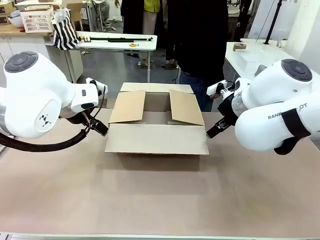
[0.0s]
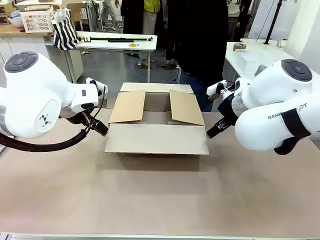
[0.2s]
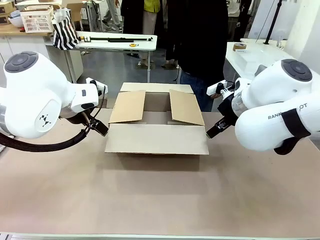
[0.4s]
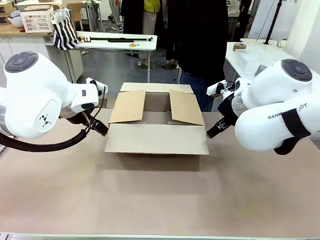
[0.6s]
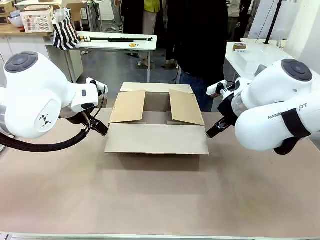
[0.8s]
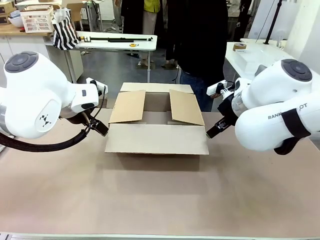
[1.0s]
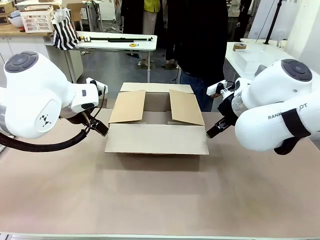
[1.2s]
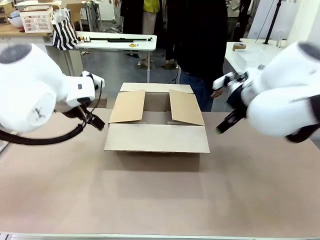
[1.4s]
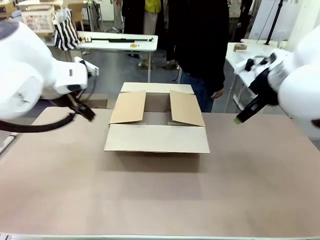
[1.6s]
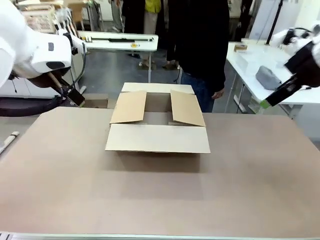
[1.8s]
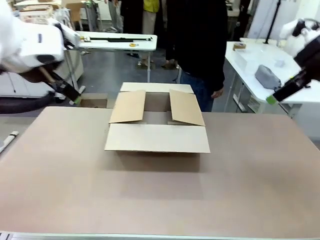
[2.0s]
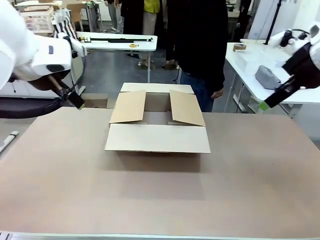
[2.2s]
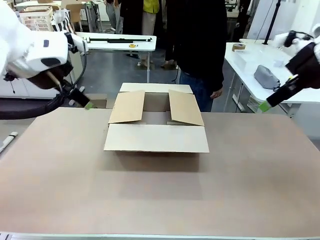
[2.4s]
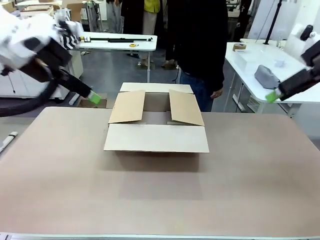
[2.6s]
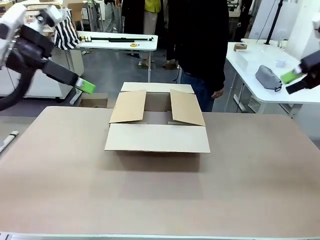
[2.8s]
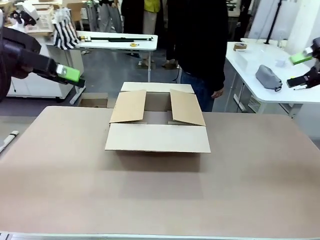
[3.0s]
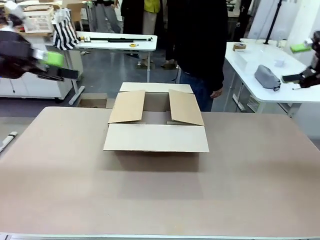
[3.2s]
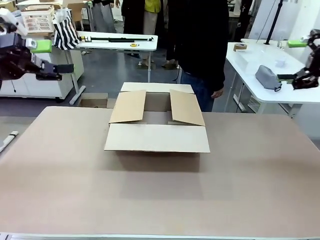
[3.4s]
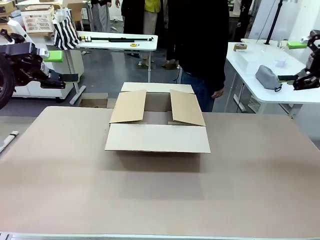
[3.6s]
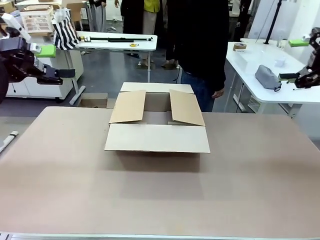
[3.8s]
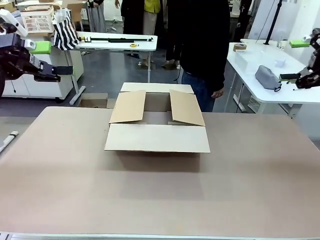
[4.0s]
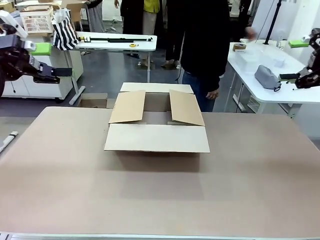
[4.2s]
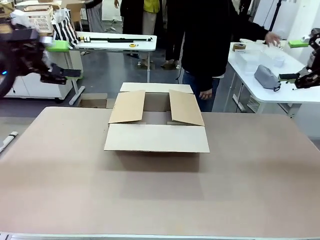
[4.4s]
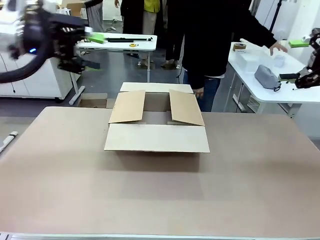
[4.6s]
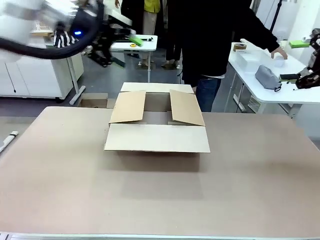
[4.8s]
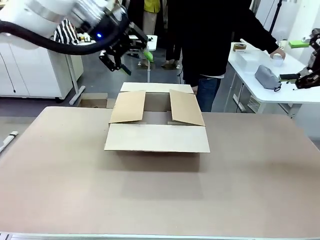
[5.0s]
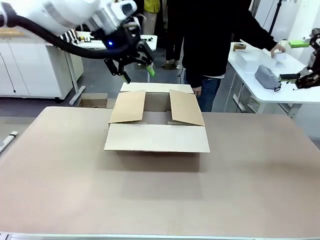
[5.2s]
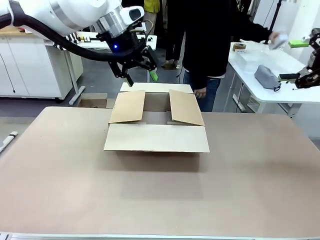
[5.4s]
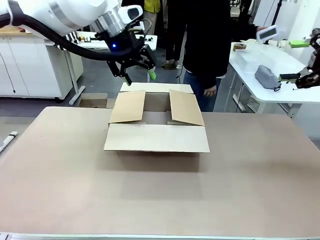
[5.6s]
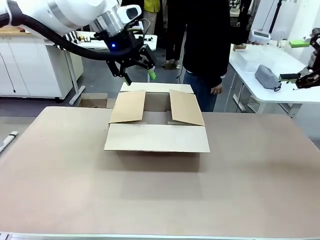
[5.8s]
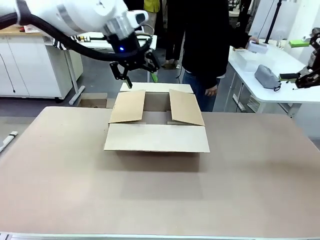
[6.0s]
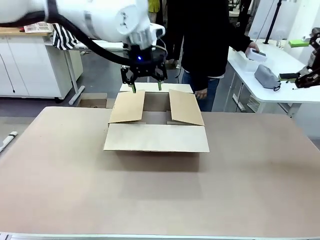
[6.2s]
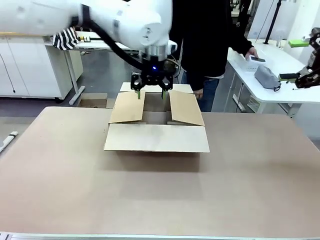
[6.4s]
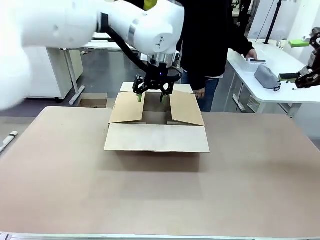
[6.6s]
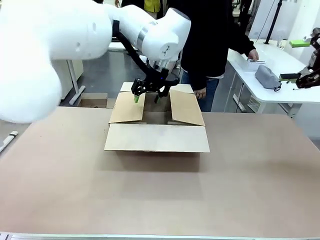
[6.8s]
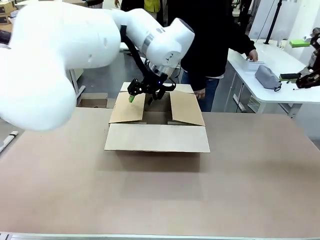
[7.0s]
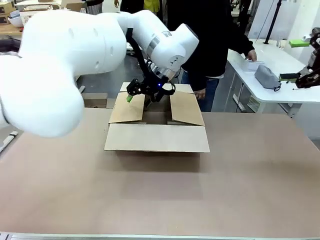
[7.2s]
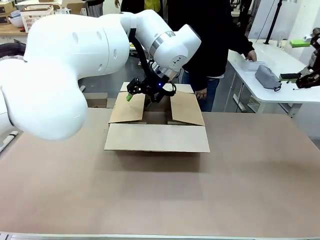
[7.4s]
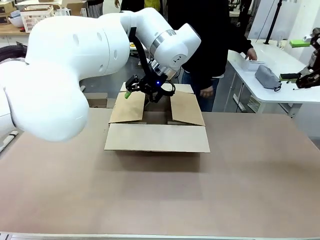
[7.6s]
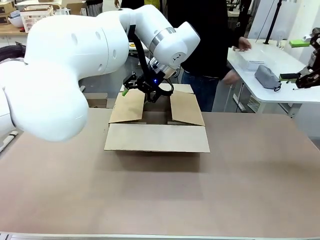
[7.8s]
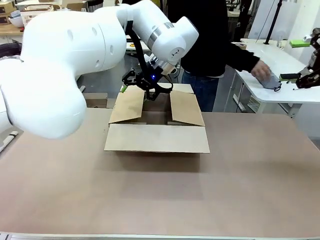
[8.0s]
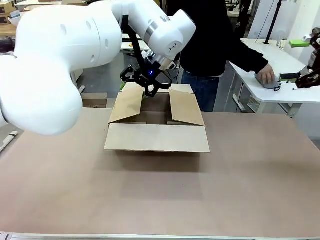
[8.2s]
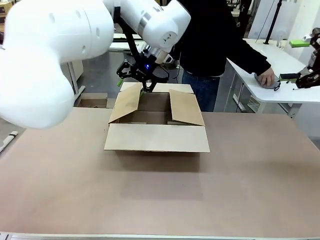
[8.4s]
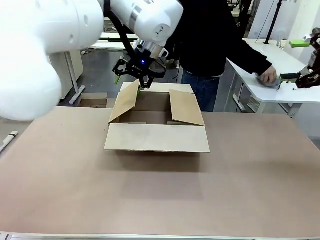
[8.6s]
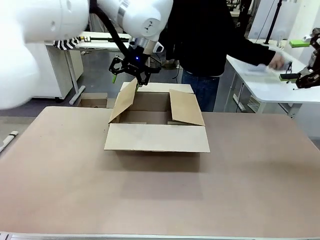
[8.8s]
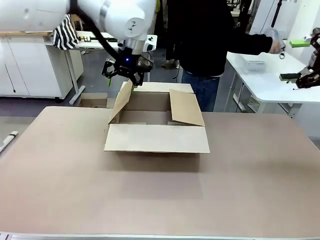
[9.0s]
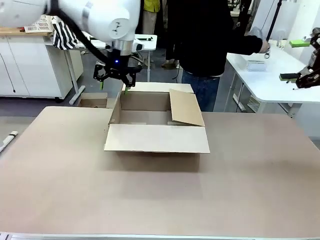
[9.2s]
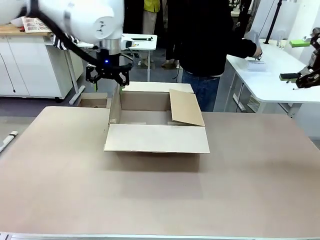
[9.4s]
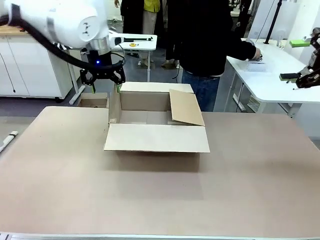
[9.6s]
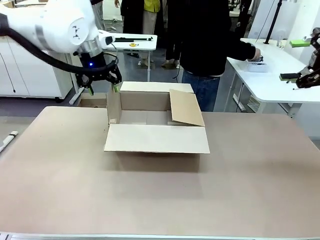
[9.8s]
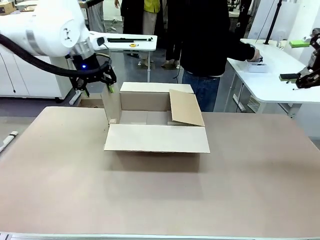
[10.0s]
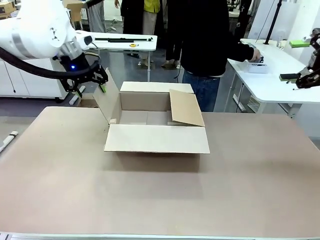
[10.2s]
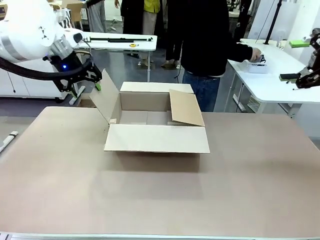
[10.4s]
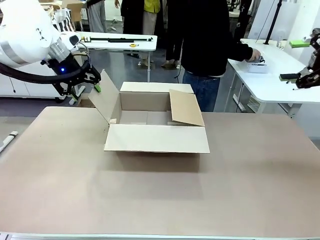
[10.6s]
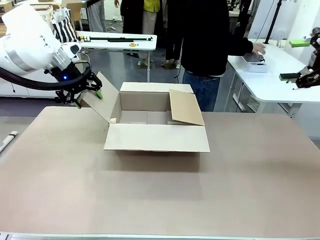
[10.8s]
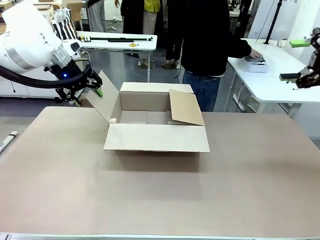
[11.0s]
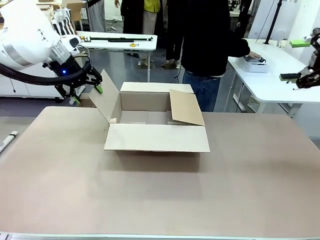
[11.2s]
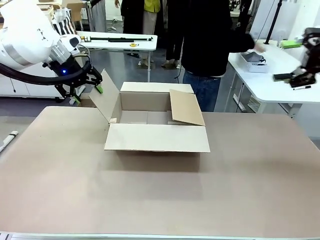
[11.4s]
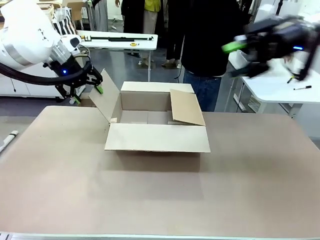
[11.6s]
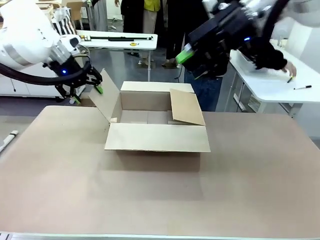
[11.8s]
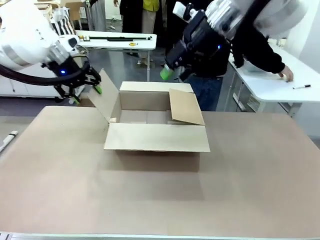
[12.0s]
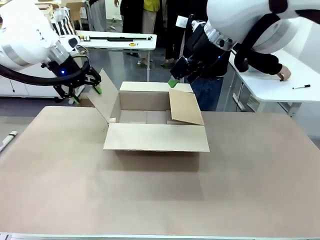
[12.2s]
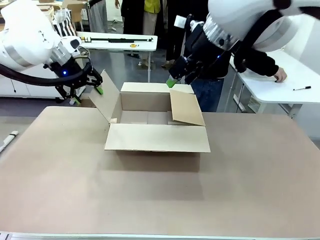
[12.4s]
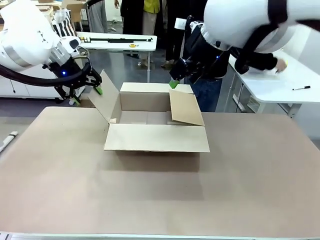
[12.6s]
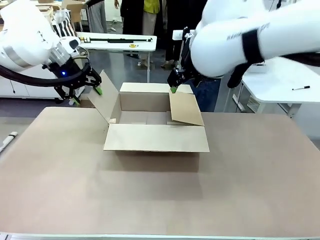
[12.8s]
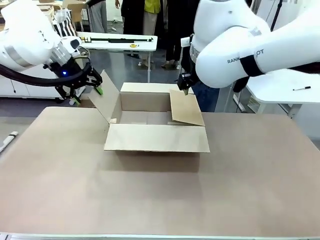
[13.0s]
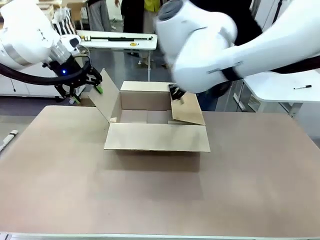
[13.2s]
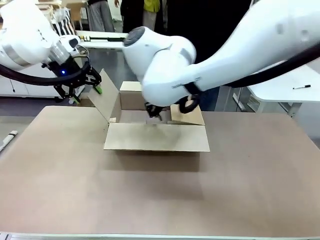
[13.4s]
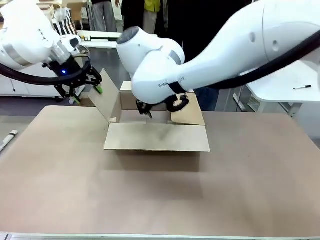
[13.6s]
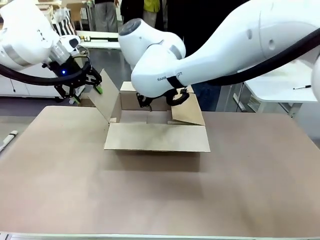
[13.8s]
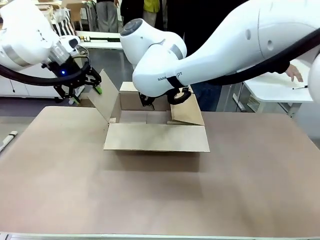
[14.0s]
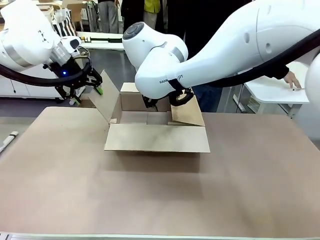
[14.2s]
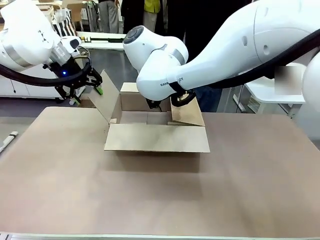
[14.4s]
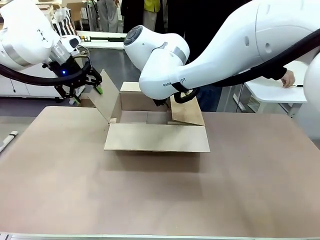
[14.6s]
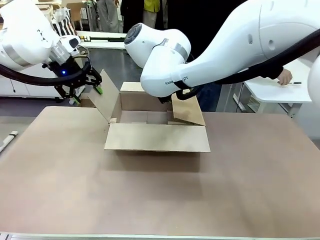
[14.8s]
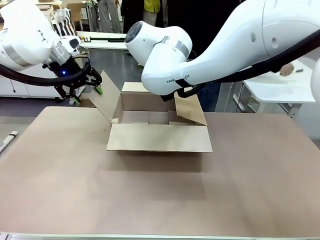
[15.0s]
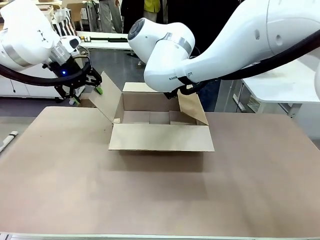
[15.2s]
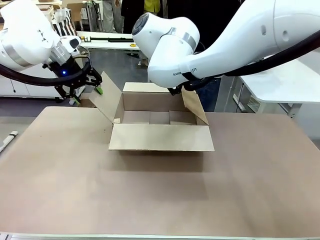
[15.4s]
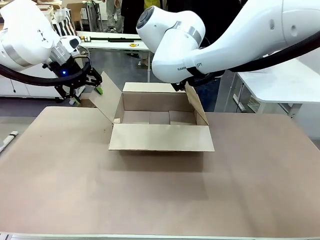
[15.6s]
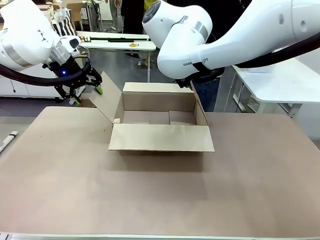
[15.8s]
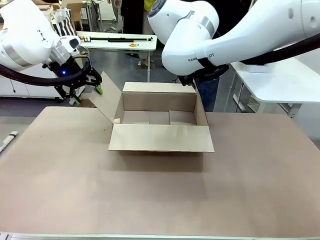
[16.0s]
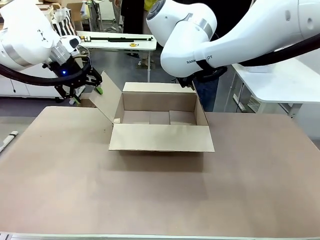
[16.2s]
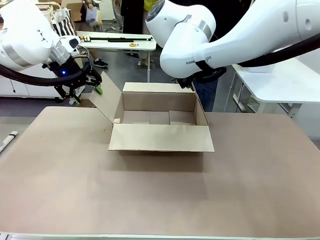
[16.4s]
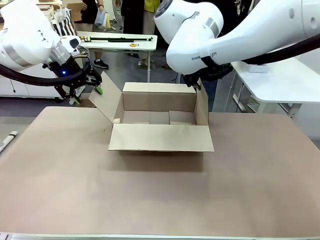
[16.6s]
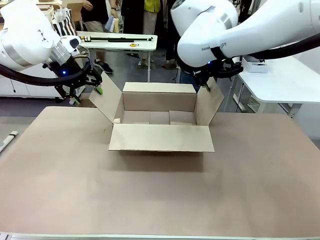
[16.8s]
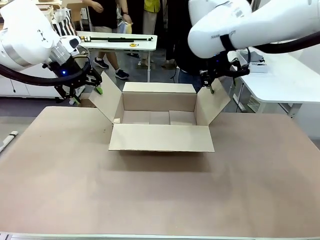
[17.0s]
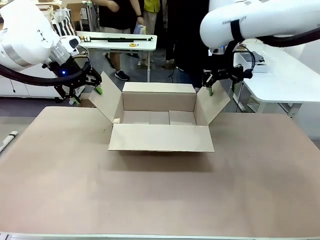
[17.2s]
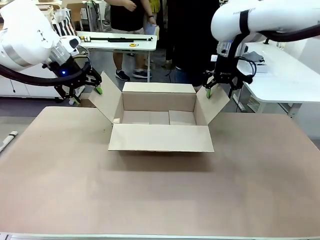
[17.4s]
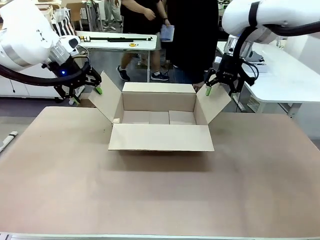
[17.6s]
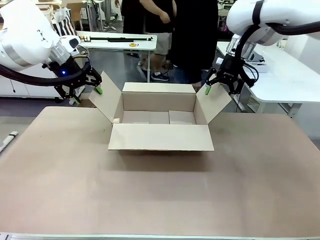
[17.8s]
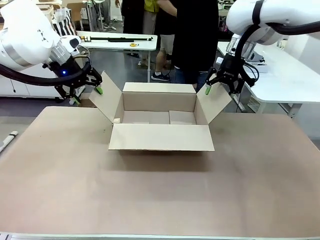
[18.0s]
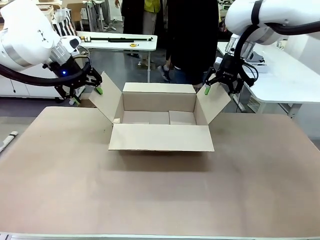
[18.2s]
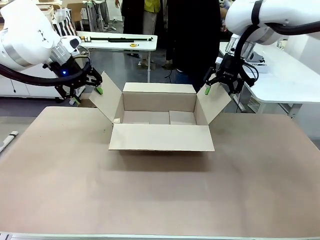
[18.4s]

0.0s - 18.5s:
Task: Pack the gift set into the box.
Robot: Place both hands on the side flaps of the Package Box and spread them outward.
Person: The human places all items except the paper tape into the organizing basket.
